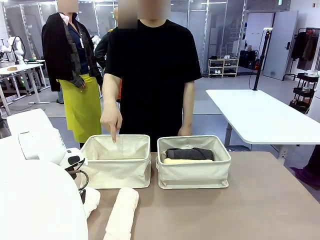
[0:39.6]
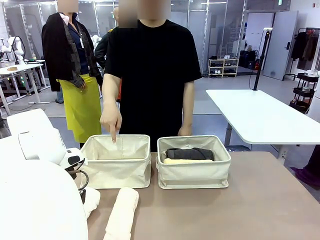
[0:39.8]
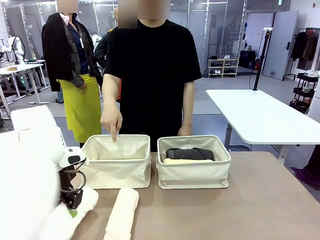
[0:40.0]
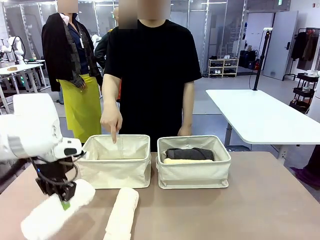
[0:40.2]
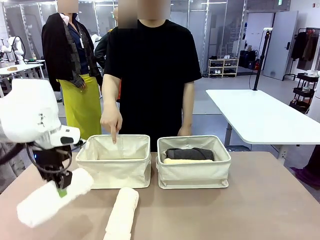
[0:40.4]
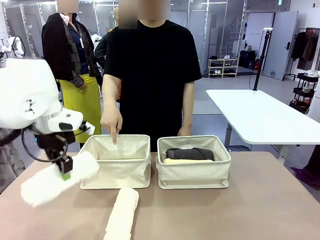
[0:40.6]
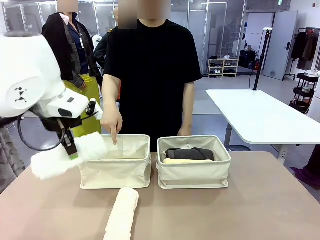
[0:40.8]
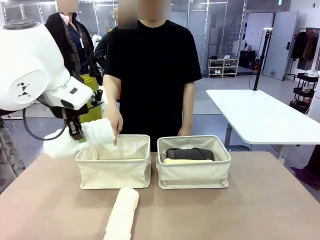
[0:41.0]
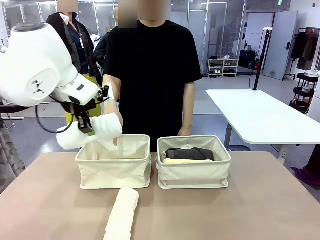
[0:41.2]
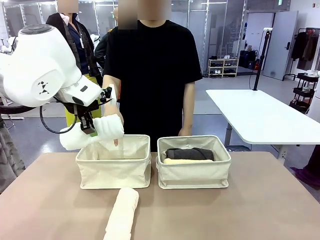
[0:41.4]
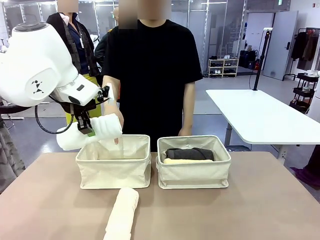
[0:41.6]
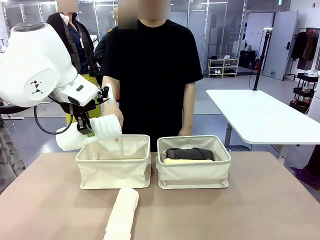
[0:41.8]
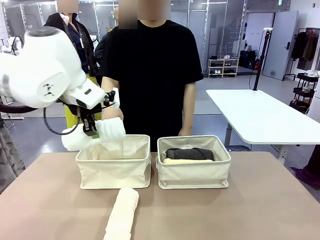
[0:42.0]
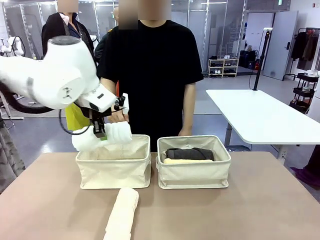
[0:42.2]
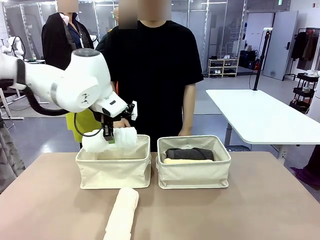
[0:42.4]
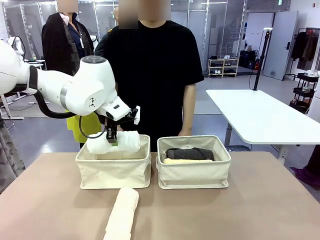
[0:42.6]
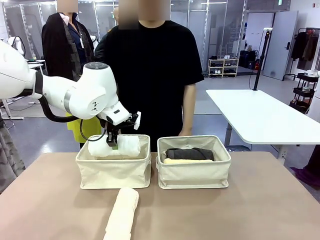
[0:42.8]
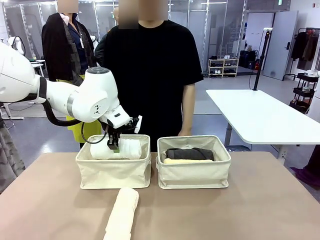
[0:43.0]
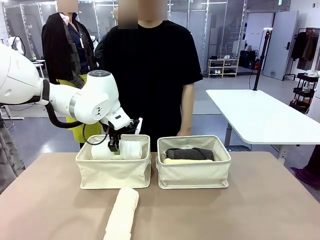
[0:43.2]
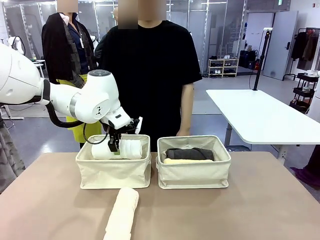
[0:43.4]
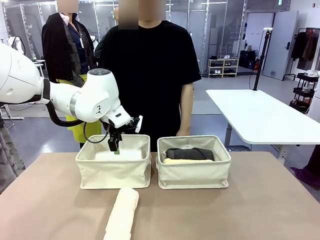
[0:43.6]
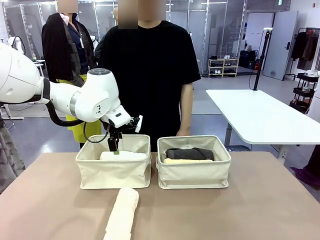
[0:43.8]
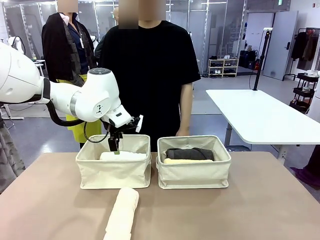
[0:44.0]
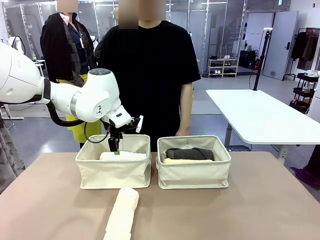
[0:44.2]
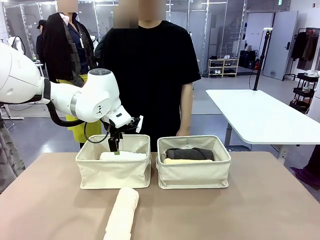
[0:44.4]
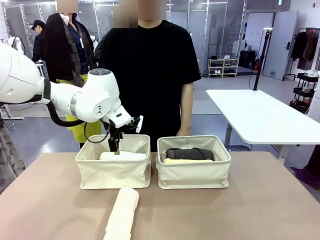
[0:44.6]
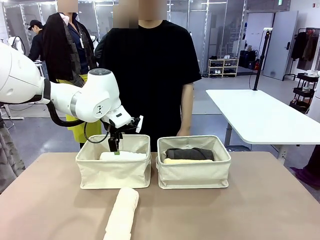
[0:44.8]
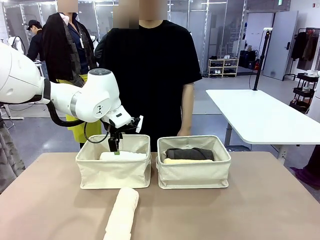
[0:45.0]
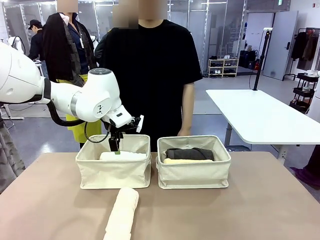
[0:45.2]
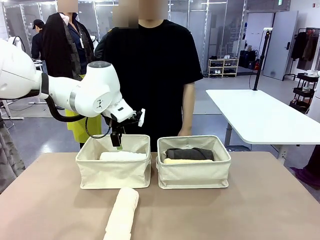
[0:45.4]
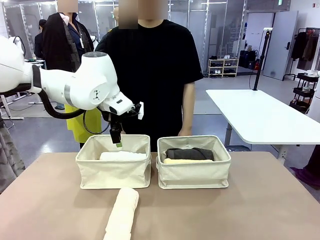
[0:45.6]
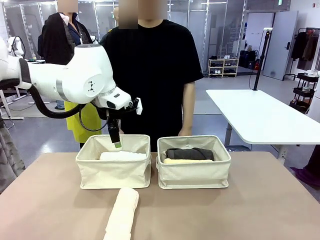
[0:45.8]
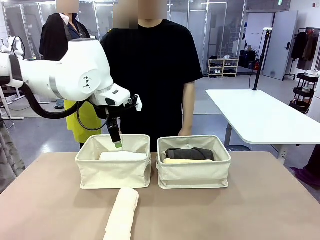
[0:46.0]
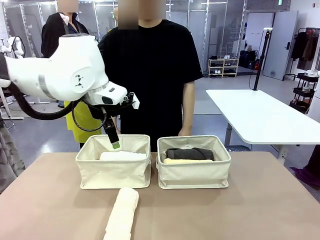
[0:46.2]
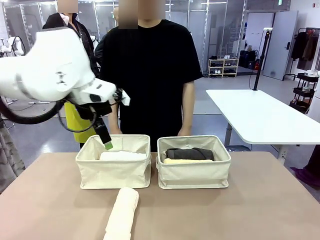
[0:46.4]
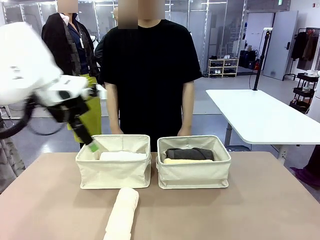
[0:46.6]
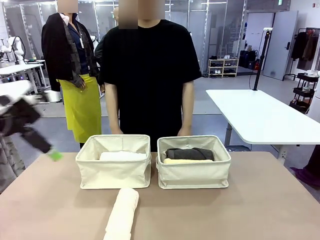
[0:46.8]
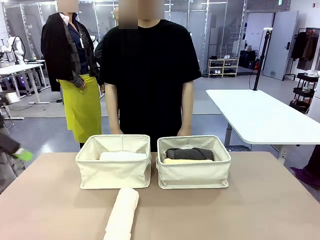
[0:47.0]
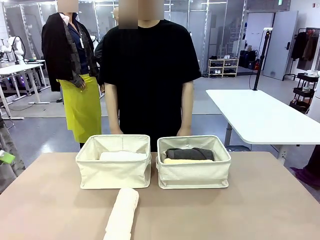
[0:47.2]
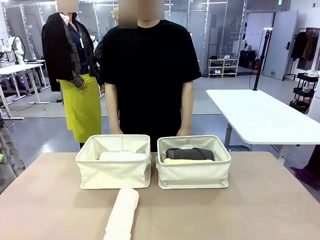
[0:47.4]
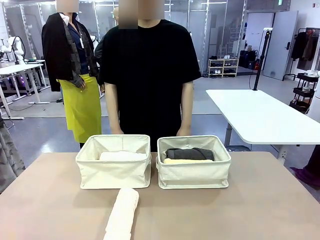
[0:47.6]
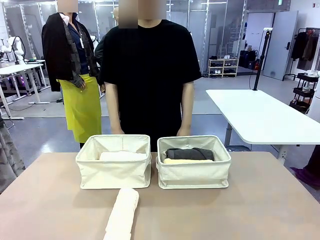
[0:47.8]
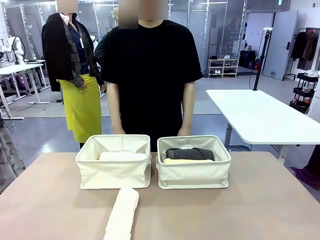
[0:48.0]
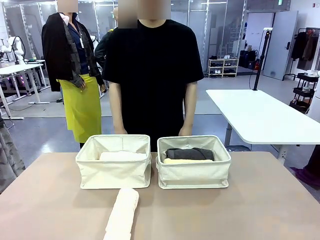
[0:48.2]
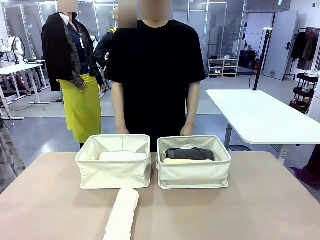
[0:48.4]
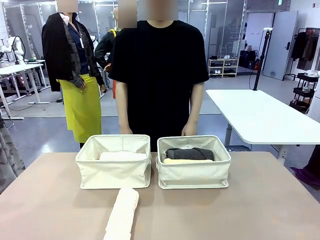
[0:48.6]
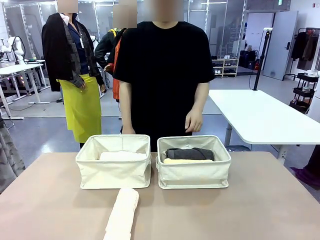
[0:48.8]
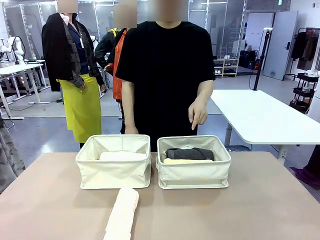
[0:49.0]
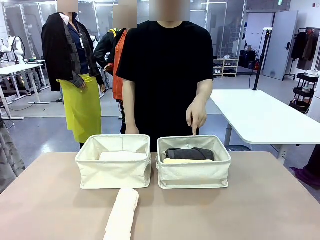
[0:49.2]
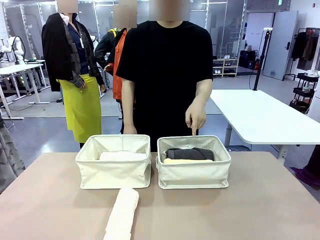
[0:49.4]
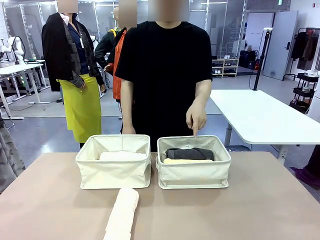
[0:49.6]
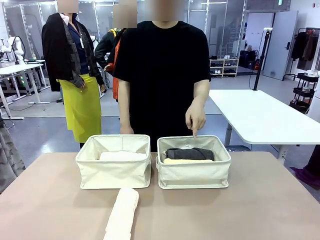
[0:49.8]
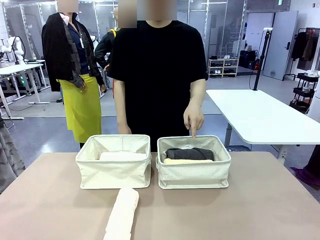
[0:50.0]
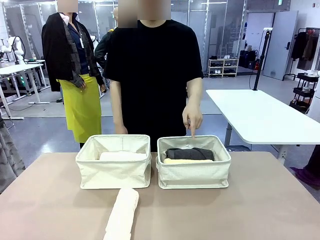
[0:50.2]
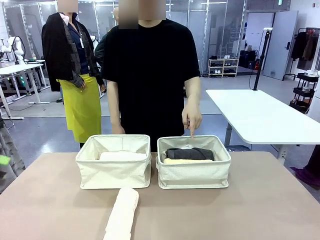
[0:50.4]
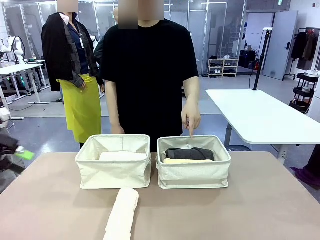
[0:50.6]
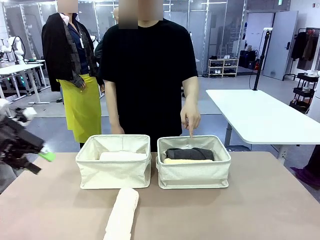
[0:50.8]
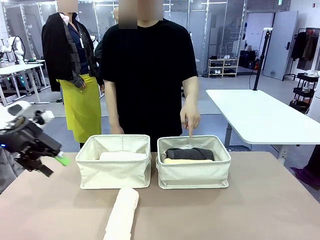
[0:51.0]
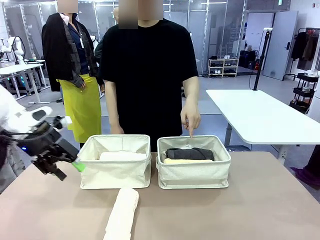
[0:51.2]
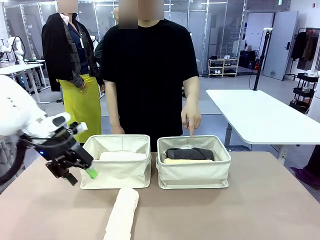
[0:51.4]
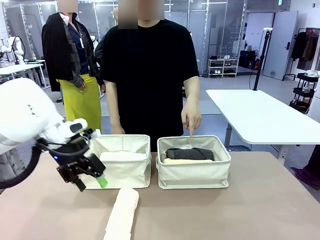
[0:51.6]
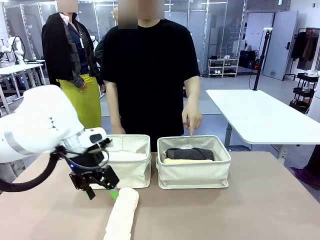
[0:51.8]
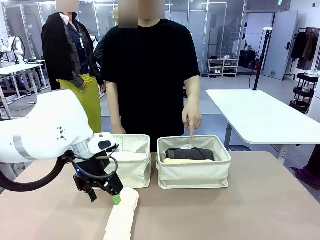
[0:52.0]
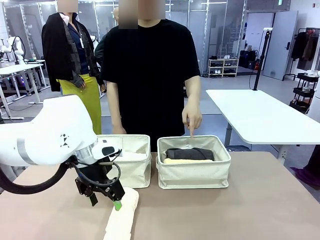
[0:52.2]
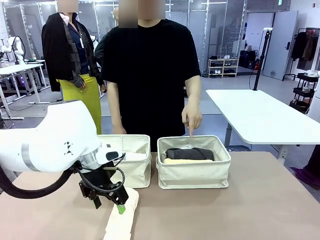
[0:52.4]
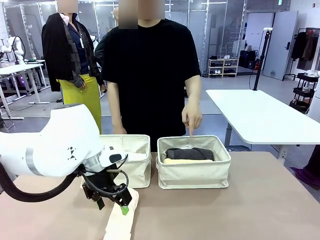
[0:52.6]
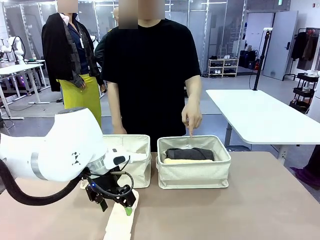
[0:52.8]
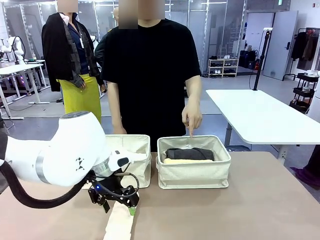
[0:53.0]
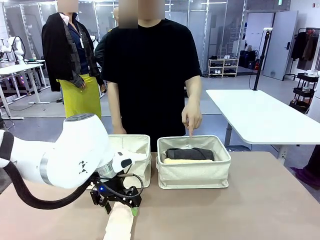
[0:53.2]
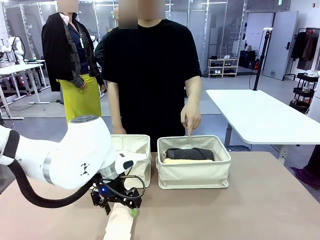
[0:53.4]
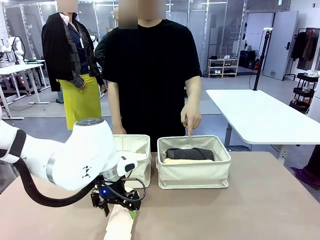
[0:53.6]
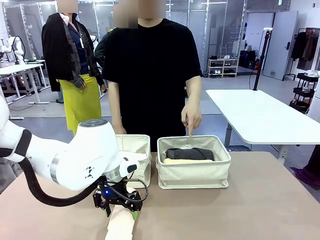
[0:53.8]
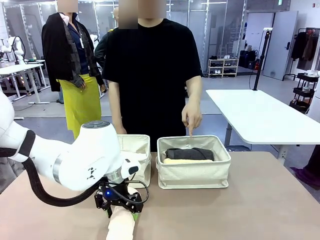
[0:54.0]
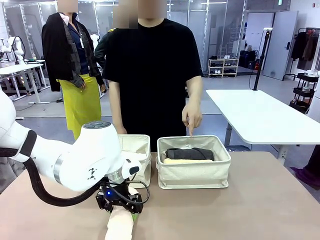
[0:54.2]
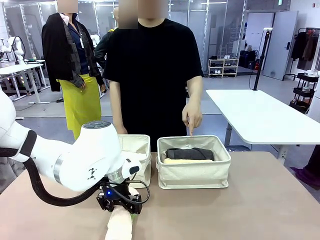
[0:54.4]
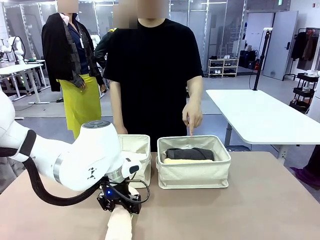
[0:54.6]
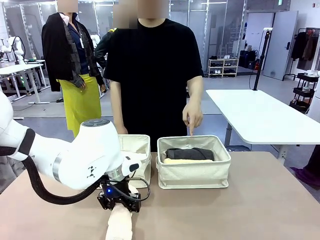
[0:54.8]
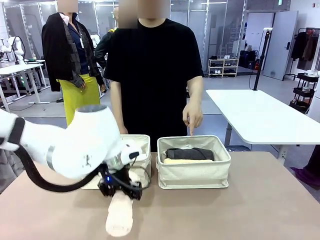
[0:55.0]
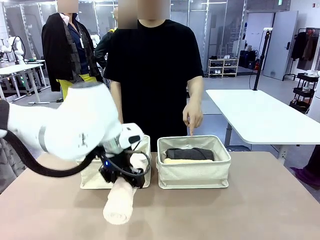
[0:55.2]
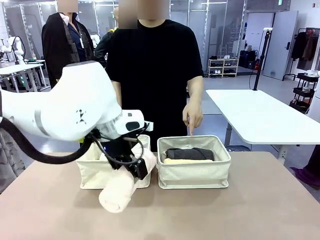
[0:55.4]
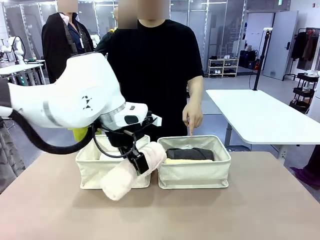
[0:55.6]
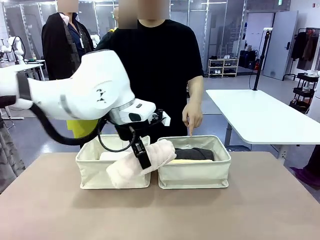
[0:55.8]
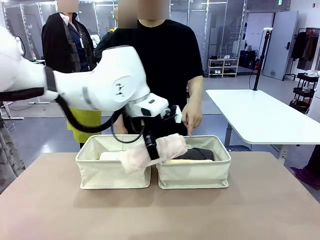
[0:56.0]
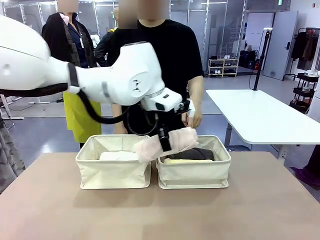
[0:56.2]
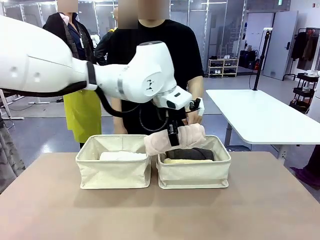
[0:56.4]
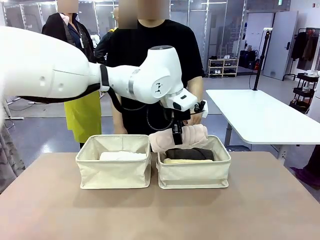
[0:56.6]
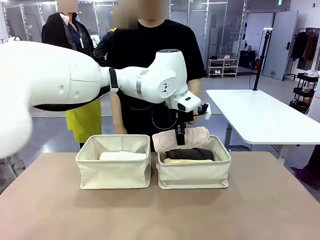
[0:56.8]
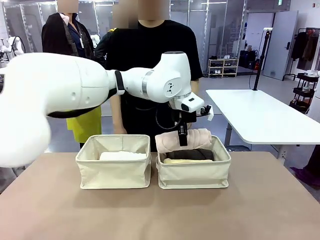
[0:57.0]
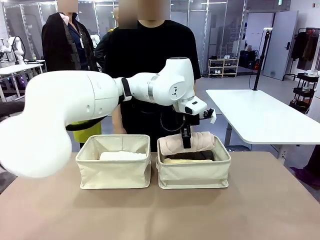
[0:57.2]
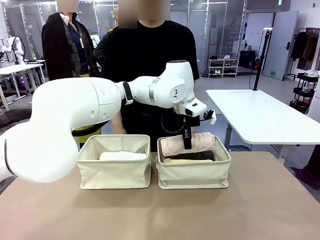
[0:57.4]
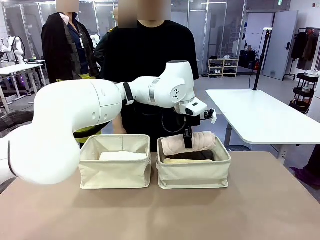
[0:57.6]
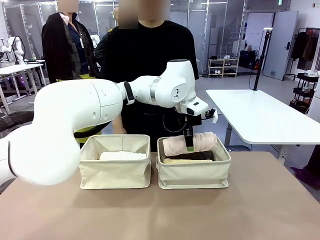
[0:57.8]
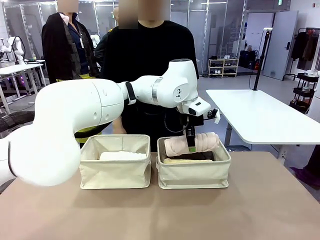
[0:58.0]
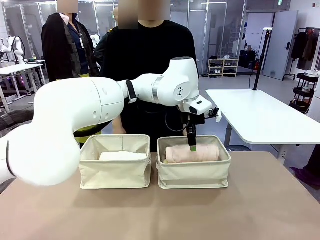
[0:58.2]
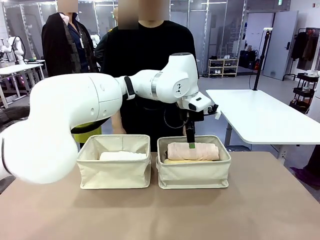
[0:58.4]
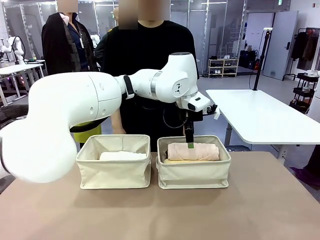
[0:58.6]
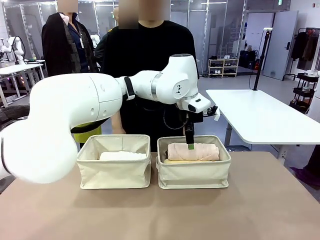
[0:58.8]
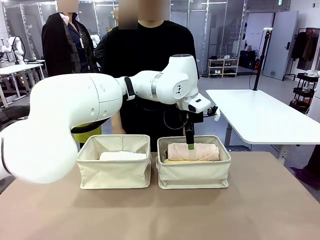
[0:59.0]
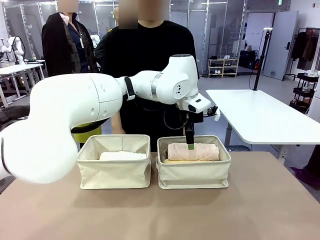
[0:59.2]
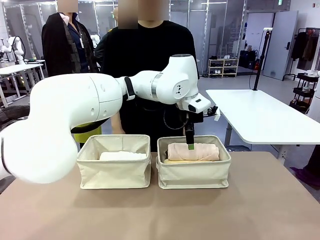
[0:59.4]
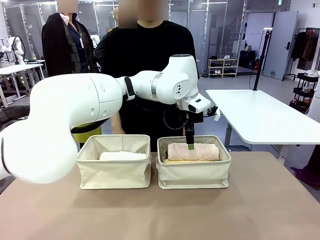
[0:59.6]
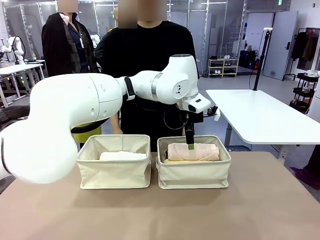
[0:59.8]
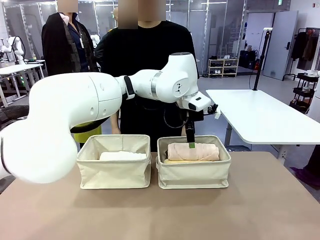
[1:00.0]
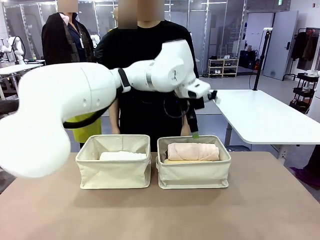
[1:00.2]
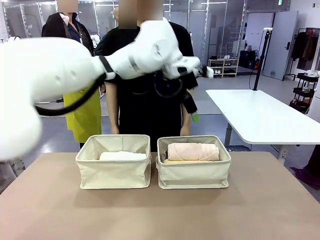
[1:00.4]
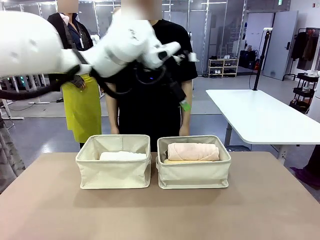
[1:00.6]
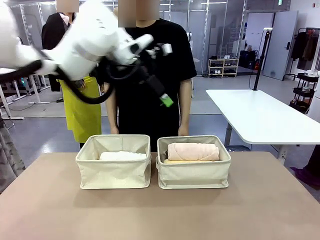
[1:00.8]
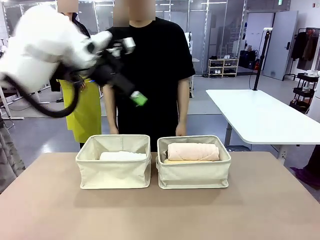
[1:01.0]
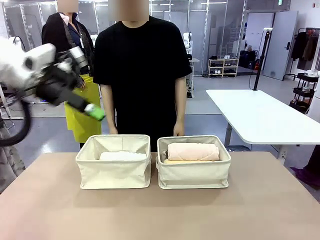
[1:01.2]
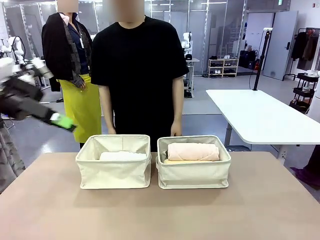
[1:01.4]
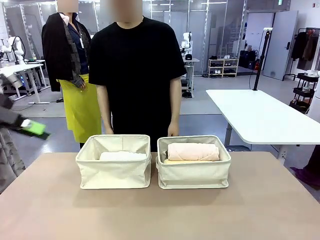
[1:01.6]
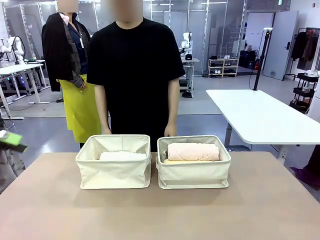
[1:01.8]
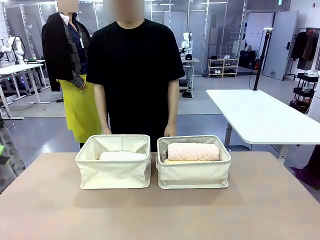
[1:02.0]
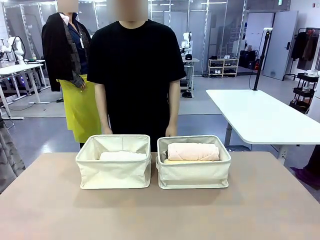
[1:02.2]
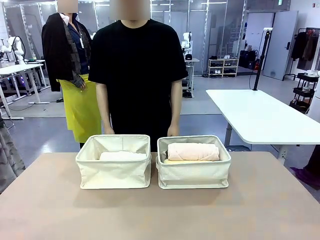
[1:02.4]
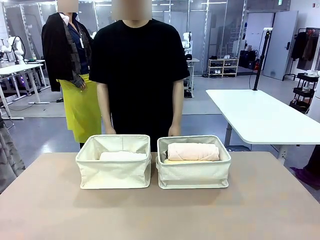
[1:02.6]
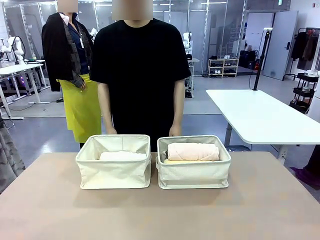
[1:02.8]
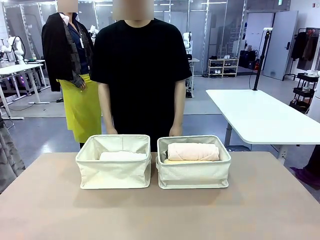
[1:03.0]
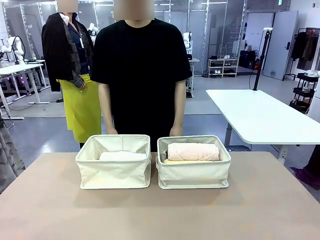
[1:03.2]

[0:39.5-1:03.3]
Task: Divide the towels into two baskets.
Robot: Pick up one hotel-folded towel from the bottom of the table and place it in the Fabric basket indicated by the person.
